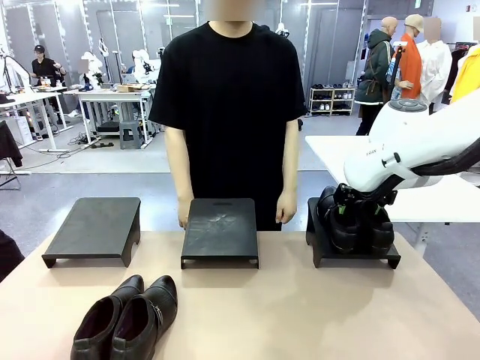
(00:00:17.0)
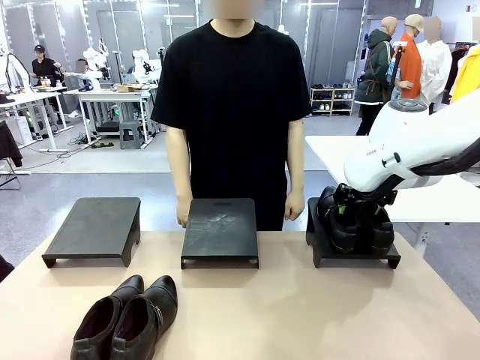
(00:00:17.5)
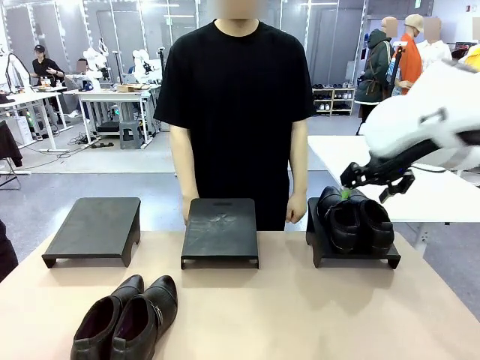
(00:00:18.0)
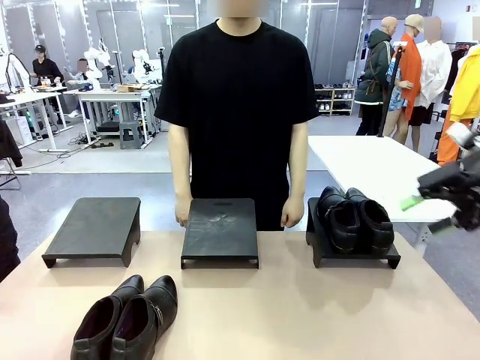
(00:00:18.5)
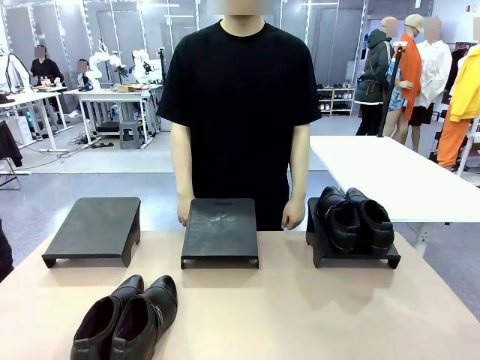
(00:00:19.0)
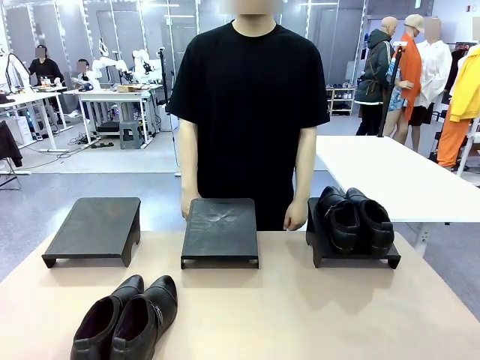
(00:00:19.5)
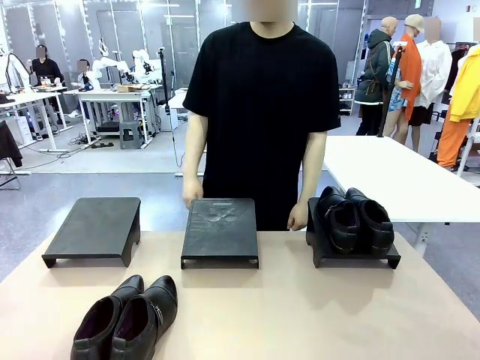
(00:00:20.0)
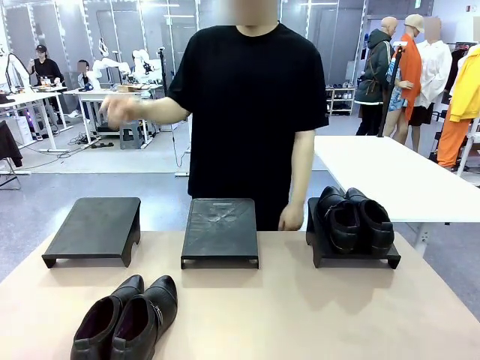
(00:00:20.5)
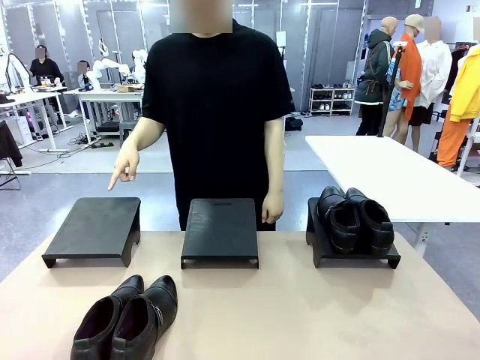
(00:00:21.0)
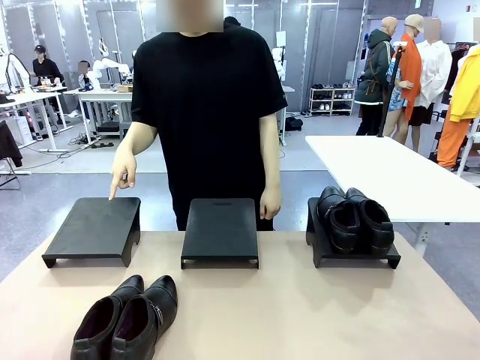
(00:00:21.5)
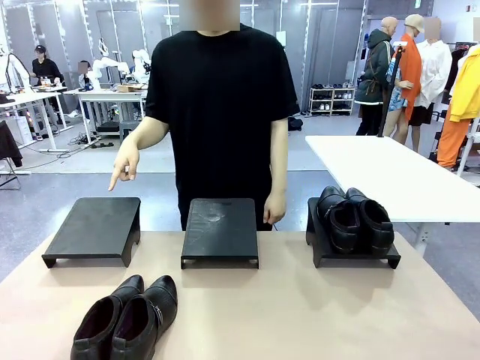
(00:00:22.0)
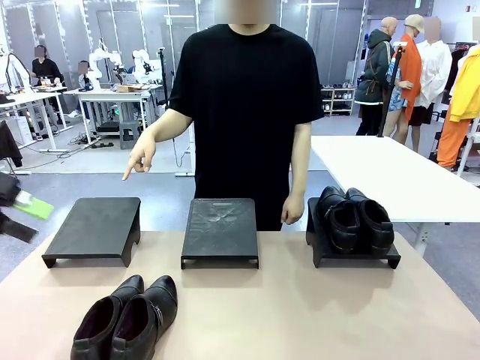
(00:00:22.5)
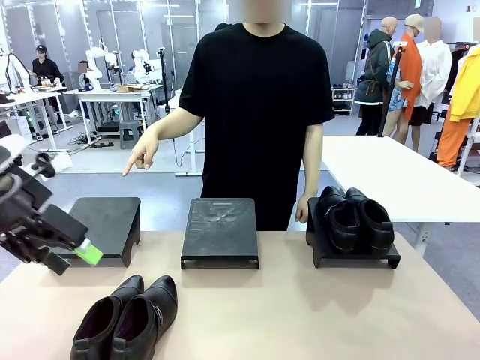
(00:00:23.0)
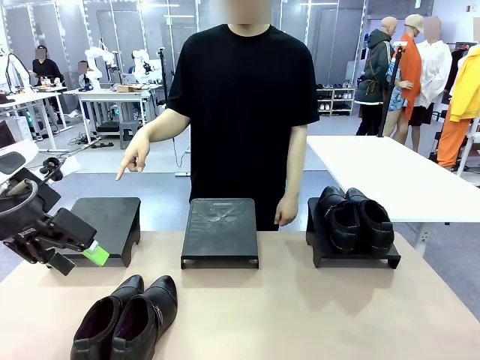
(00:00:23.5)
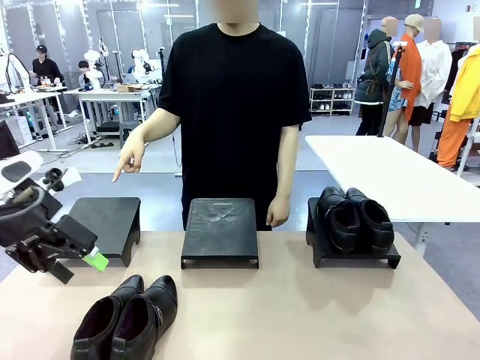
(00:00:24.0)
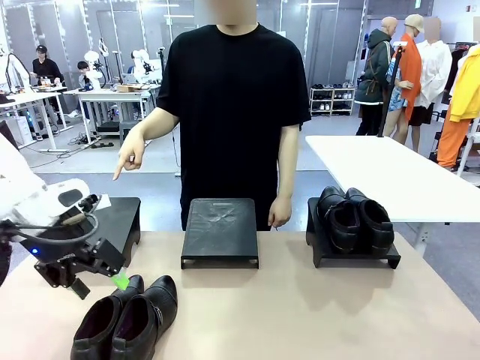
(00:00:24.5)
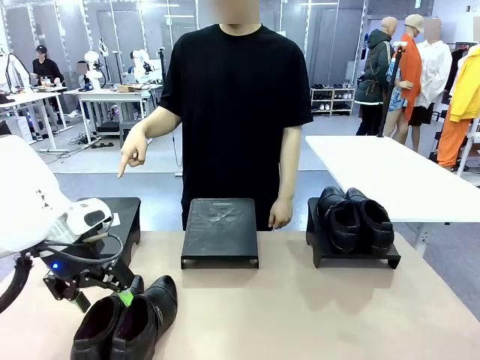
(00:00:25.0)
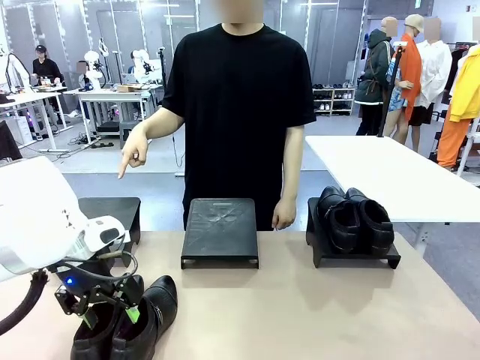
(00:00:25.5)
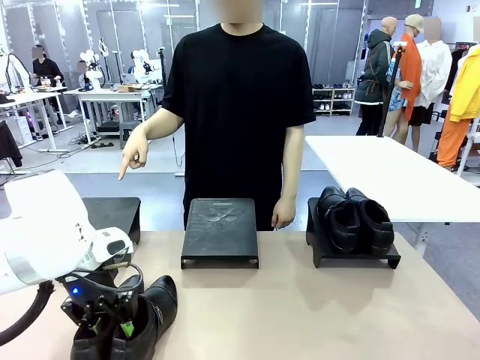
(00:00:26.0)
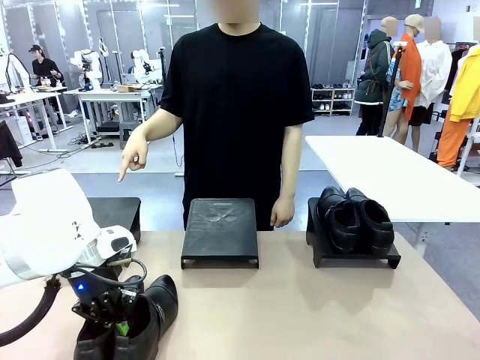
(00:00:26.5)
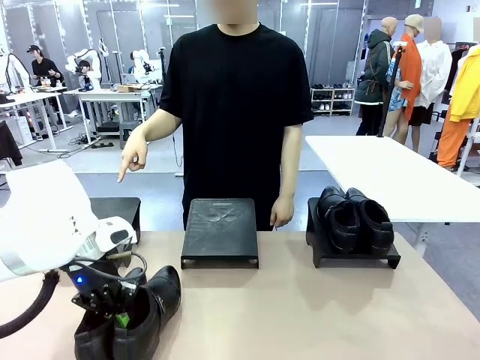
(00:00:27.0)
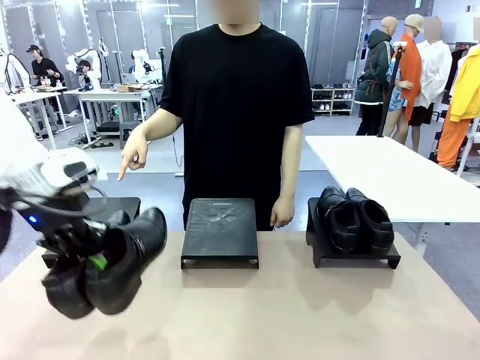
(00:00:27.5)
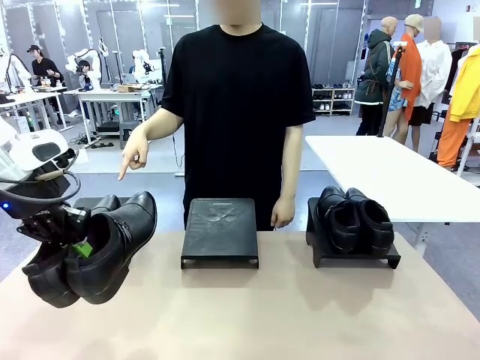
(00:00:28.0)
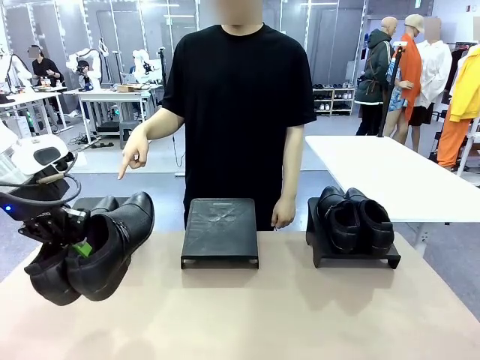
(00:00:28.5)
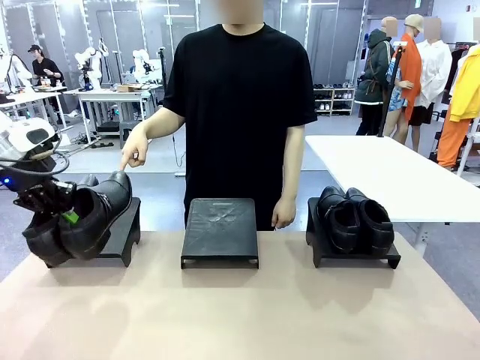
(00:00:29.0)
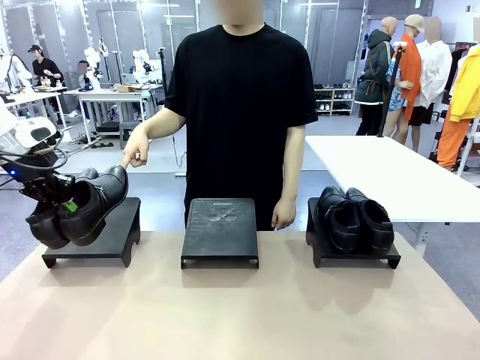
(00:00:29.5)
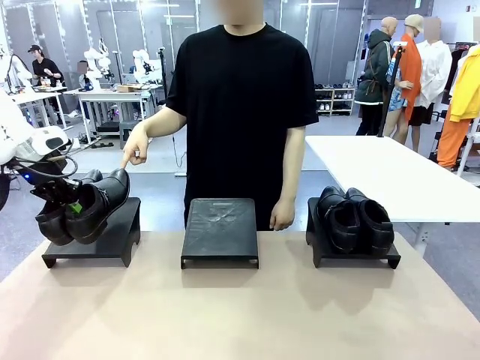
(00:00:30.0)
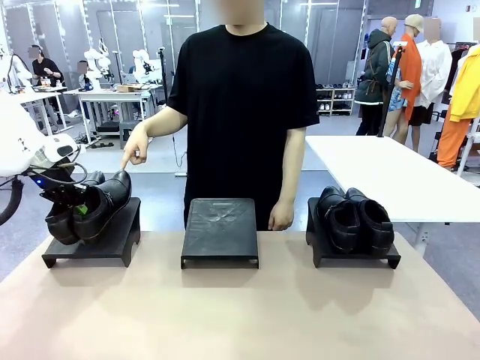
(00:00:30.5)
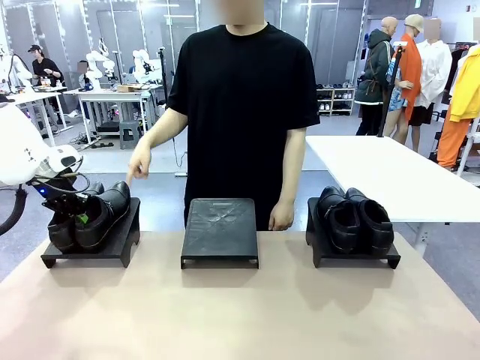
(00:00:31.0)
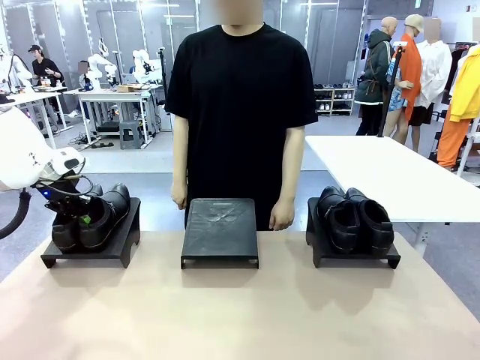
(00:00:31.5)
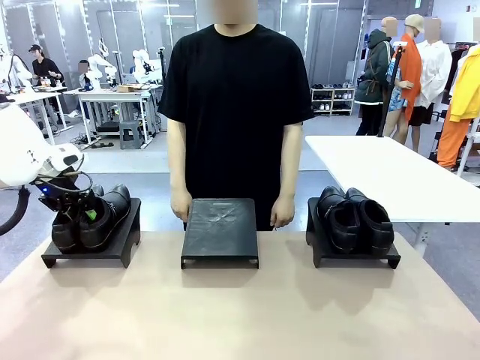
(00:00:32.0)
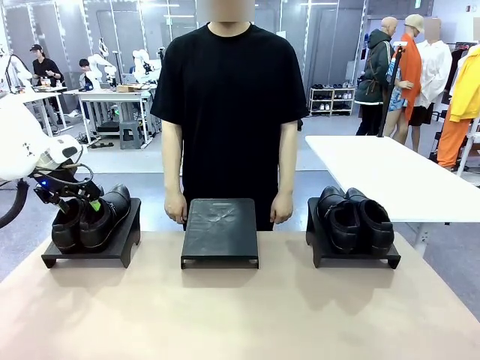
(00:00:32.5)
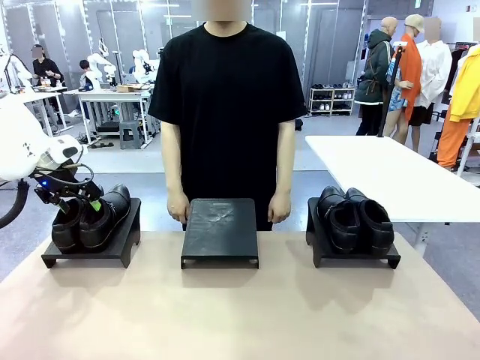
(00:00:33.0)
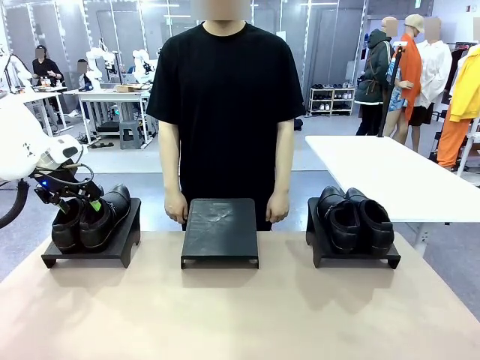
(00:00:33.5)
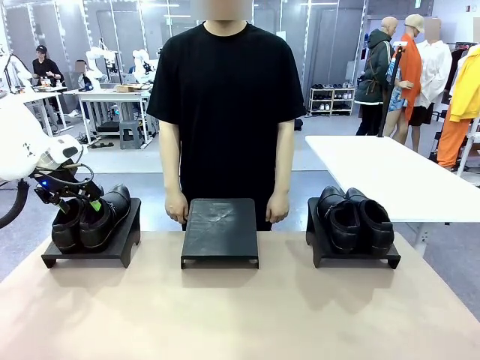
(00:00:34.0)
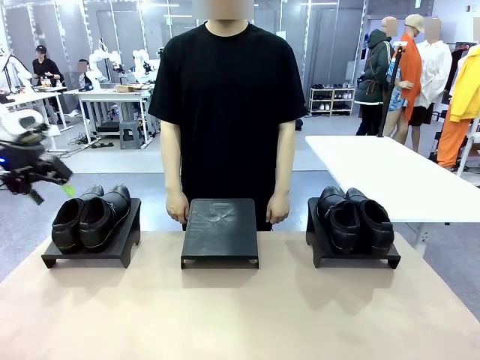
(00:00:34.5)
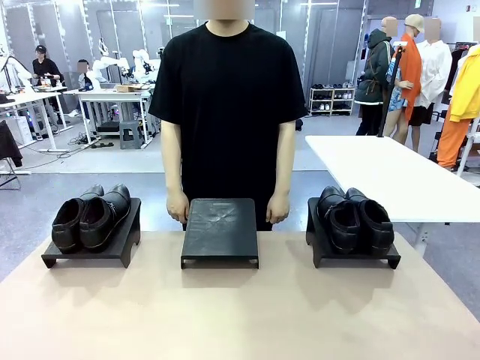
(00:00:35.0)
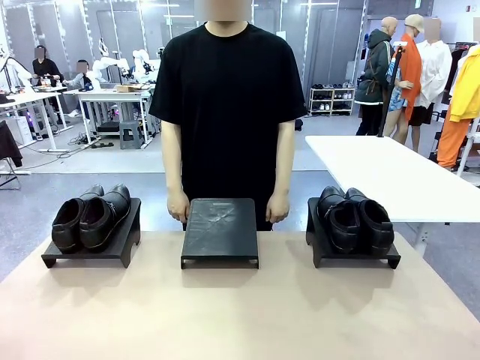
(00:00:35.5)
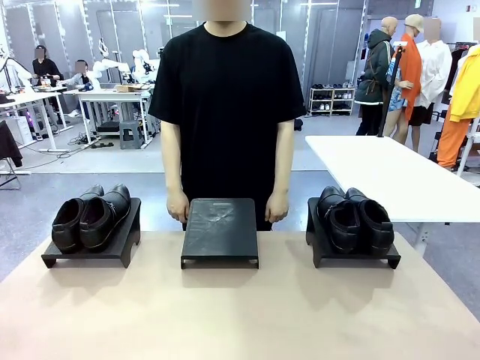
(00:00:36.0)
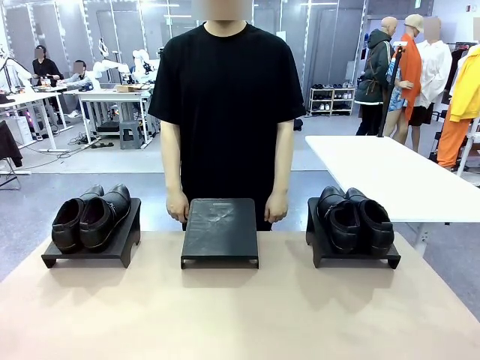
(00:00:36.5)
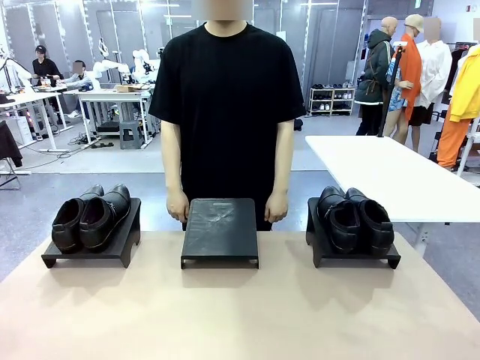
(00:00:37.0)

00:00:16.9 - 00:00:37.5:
Task: Place the shoes on the stand as instructed by the person.
Robot: Pick up another pair of Shoes and place it on the Shoes Stand indicated by the person.
Person: Point to one Shoes Stand.

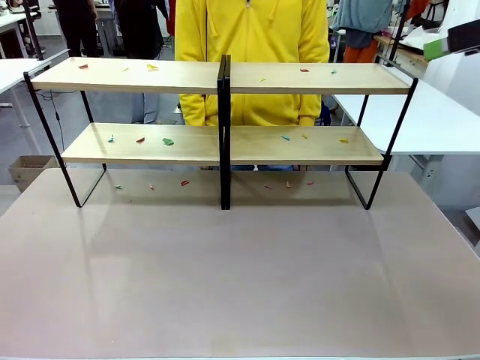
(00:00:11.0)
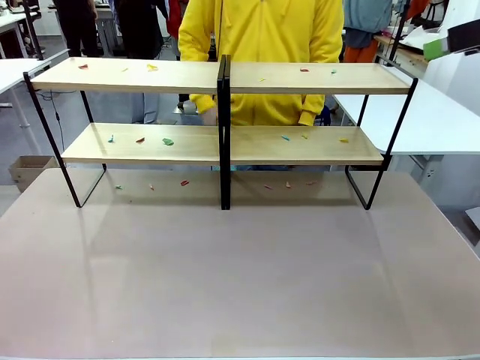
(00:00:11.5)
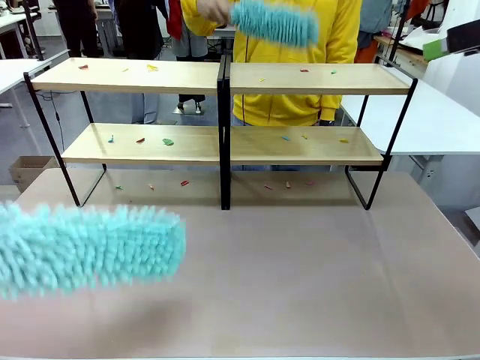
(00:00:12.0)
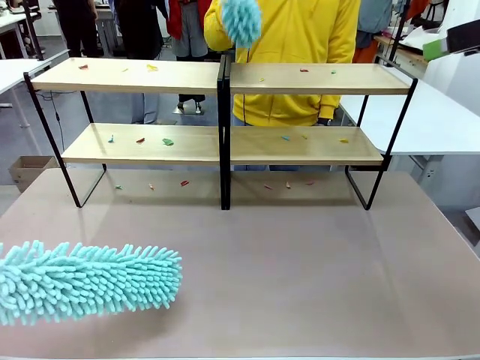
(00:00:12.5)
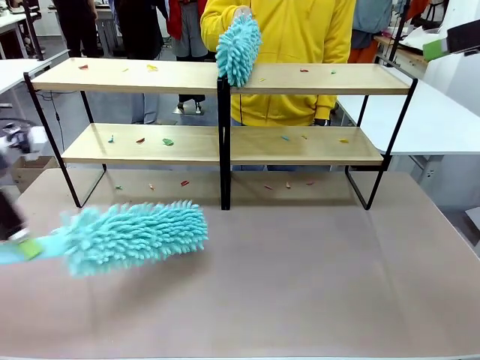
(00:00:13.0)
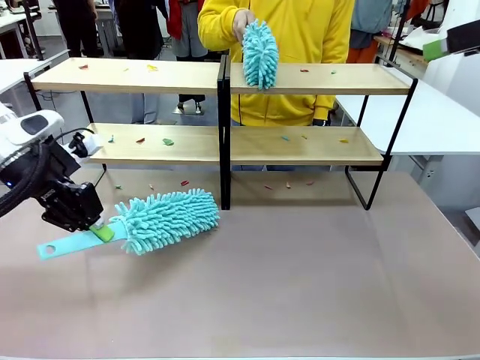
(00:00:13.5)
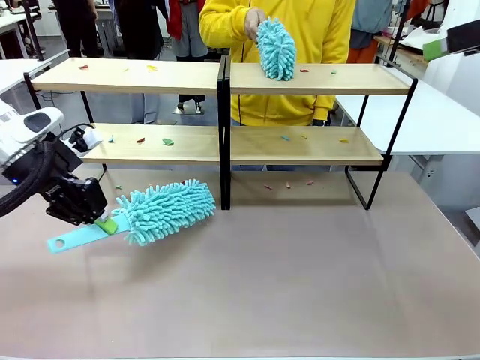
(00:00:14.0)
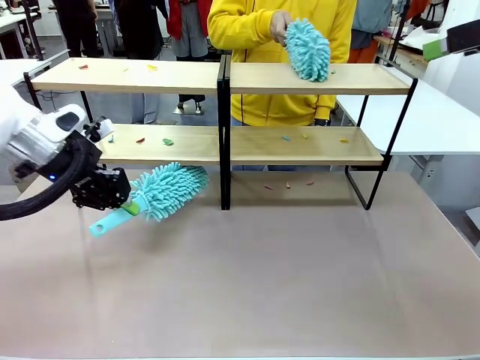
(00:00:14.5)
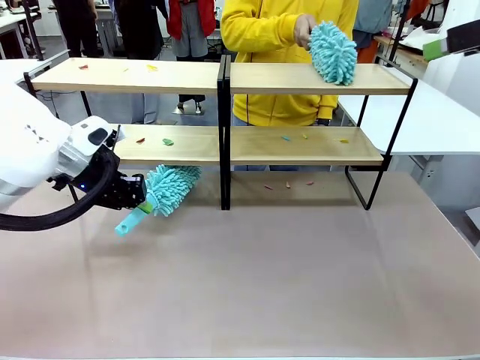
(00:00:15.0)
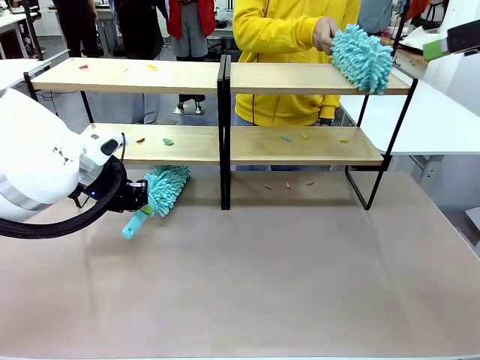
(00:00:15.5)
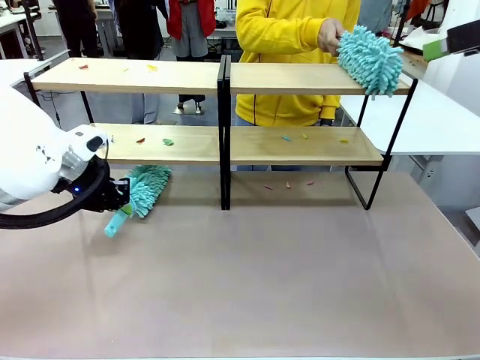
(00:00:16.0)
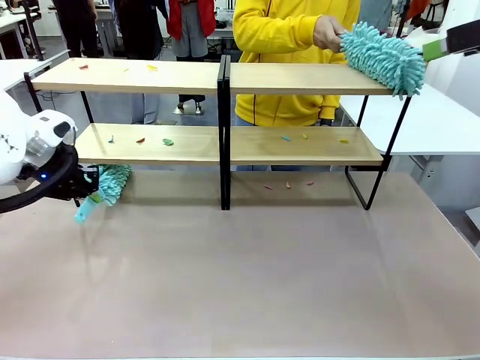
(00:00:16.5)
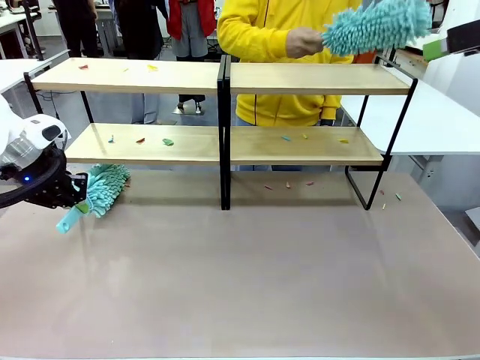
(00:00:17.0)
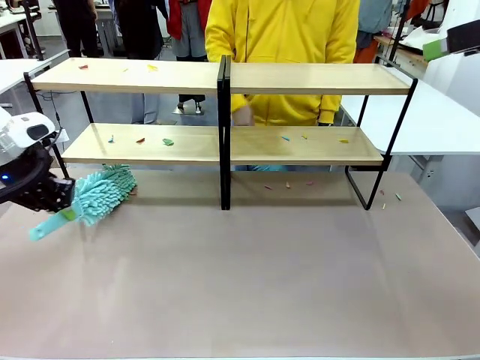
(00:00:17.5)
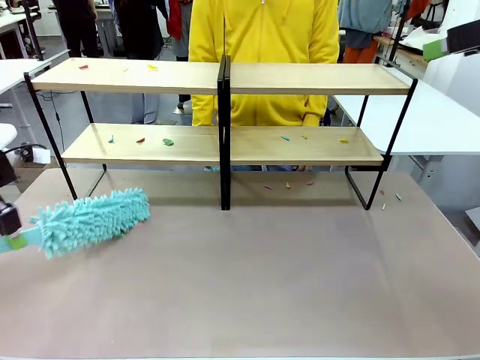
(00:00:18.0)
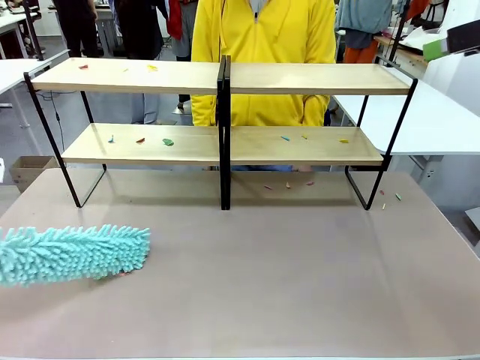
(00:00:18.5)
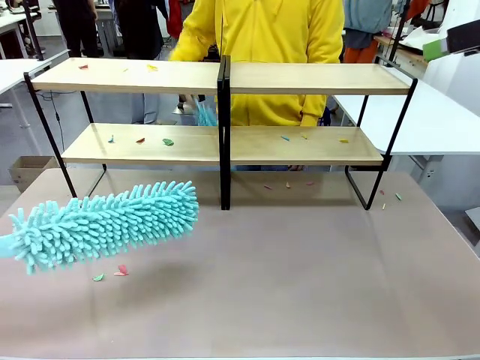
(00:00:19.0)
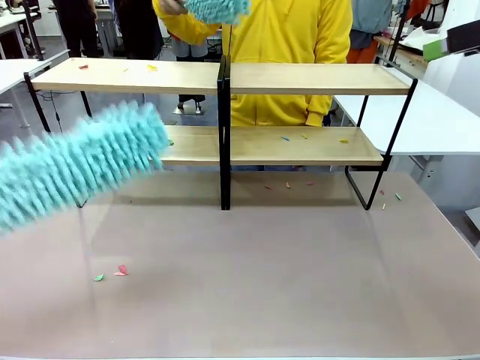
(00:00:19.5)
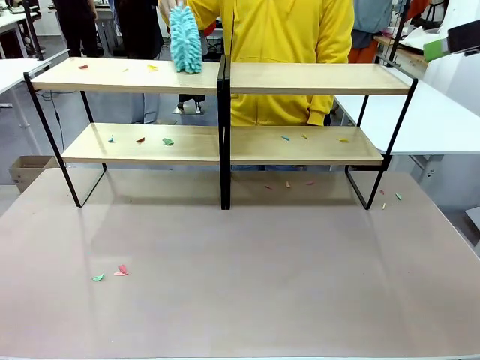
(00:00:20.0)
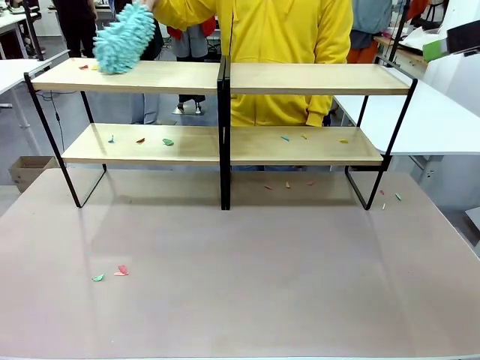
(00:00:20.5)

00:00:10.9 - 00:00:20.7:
Task: Clean the shelves.
Robot: Clean a randomly selected level of the Shelf with the Duster.
